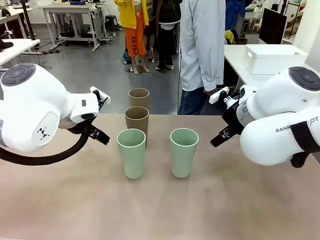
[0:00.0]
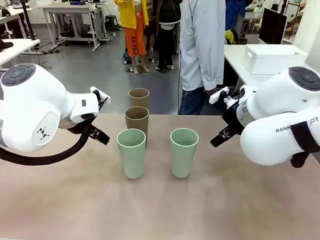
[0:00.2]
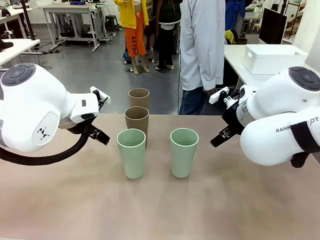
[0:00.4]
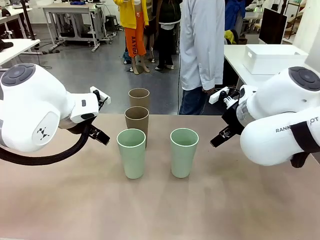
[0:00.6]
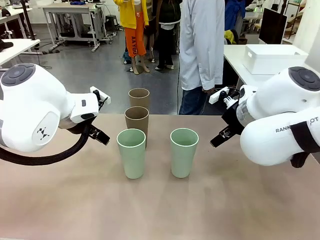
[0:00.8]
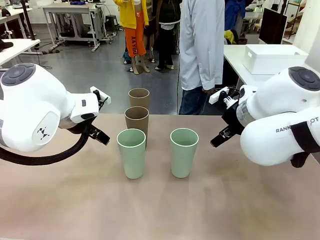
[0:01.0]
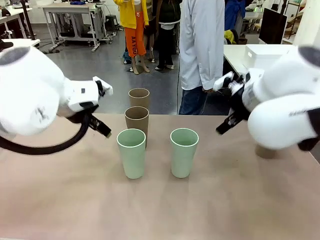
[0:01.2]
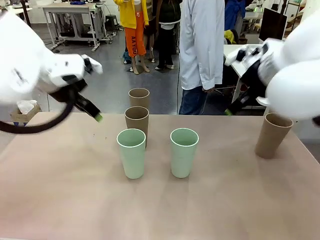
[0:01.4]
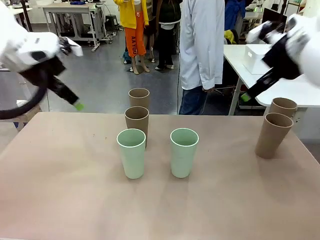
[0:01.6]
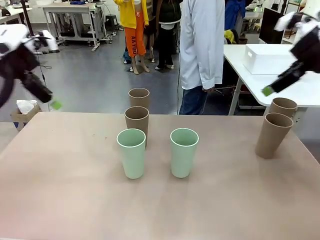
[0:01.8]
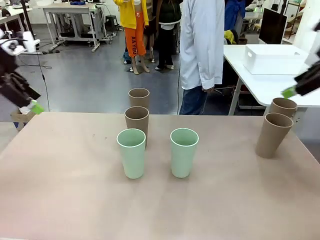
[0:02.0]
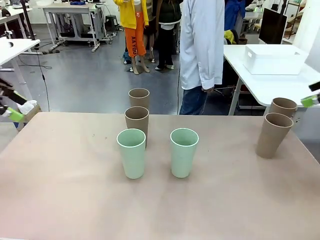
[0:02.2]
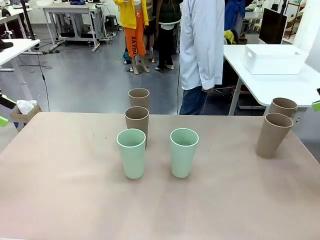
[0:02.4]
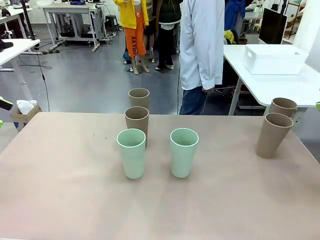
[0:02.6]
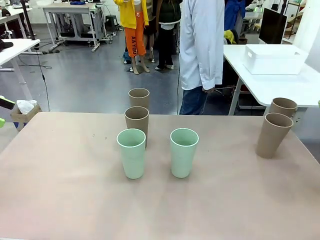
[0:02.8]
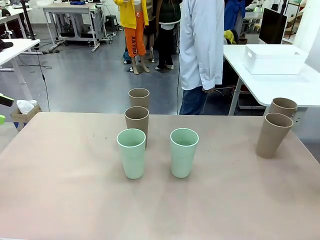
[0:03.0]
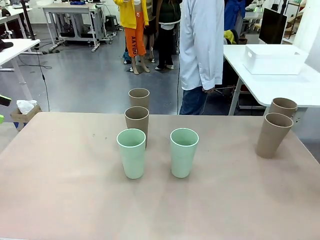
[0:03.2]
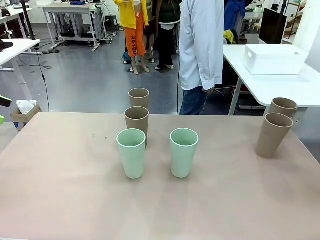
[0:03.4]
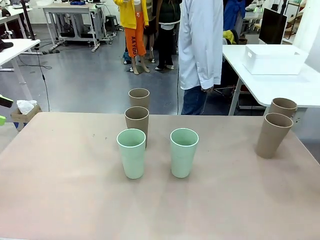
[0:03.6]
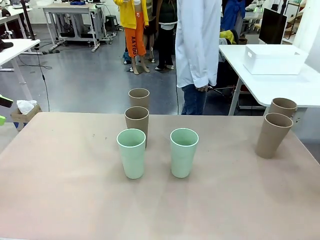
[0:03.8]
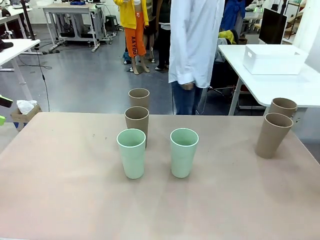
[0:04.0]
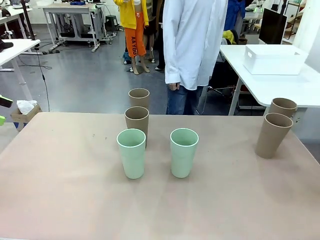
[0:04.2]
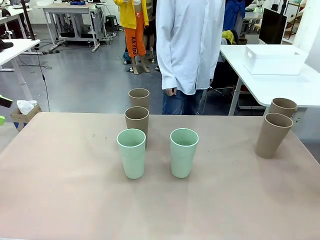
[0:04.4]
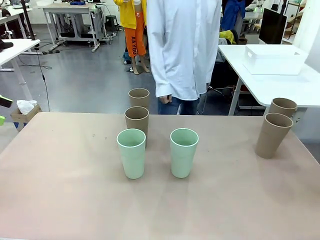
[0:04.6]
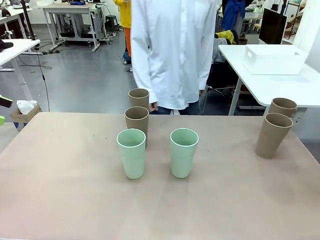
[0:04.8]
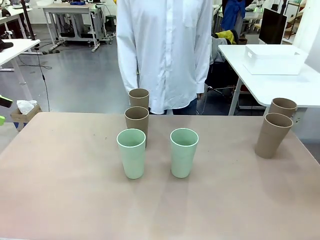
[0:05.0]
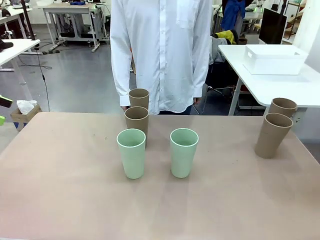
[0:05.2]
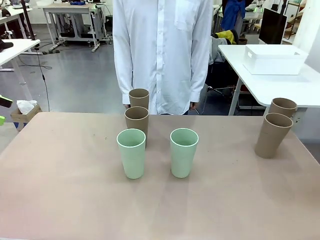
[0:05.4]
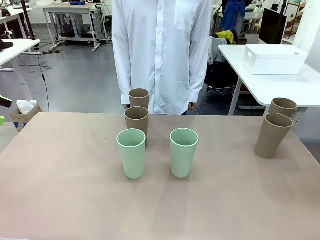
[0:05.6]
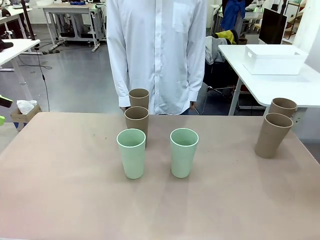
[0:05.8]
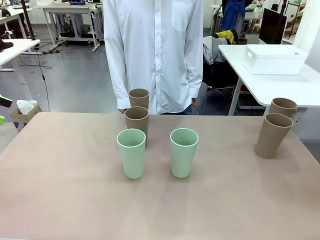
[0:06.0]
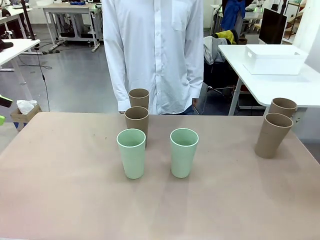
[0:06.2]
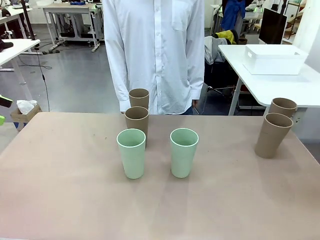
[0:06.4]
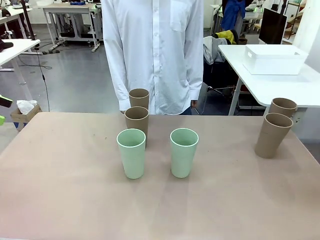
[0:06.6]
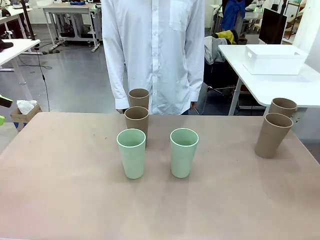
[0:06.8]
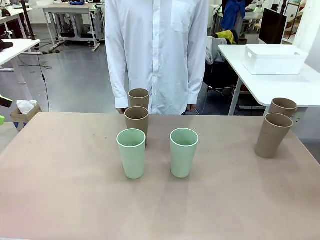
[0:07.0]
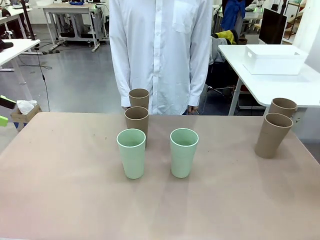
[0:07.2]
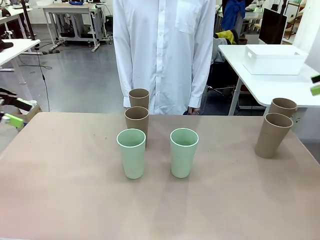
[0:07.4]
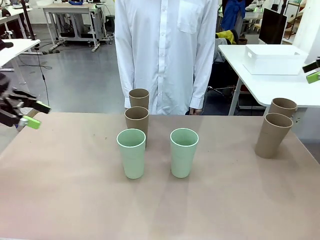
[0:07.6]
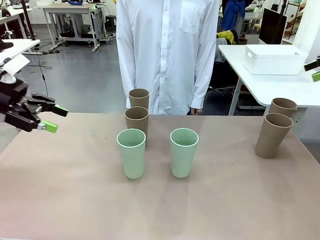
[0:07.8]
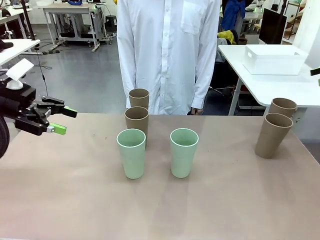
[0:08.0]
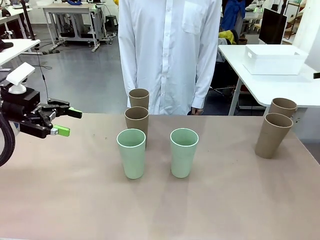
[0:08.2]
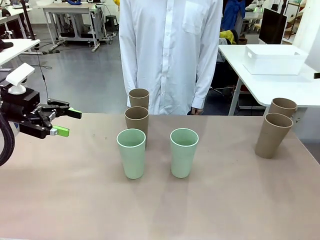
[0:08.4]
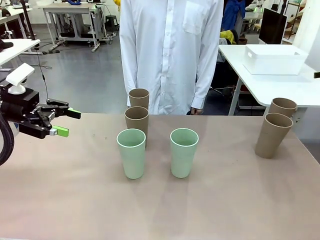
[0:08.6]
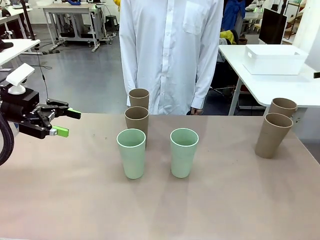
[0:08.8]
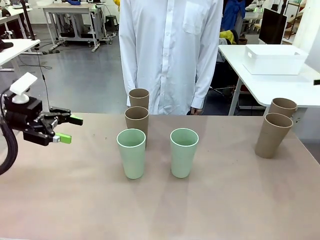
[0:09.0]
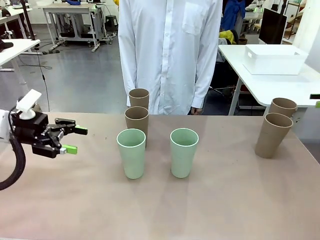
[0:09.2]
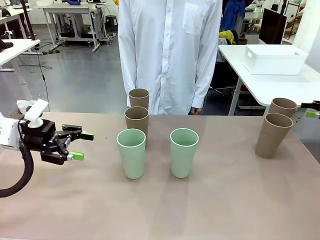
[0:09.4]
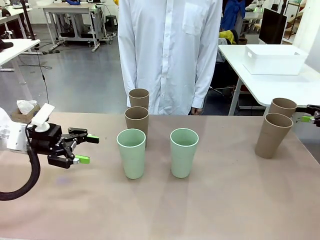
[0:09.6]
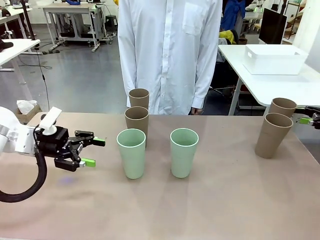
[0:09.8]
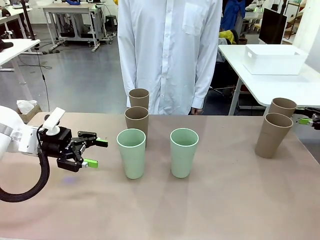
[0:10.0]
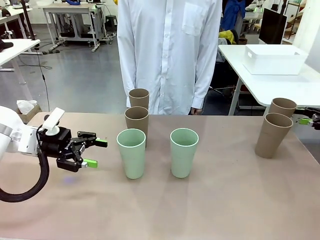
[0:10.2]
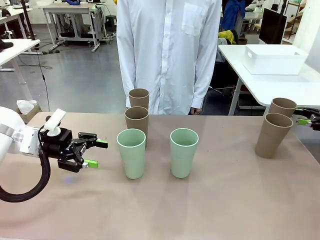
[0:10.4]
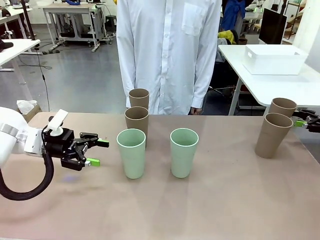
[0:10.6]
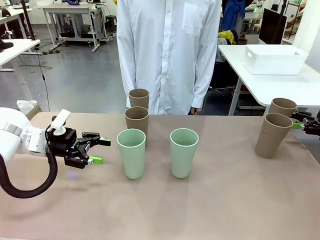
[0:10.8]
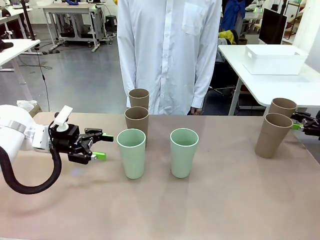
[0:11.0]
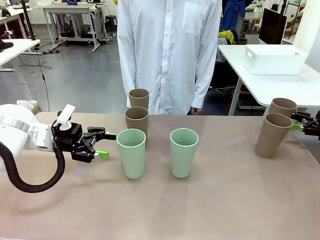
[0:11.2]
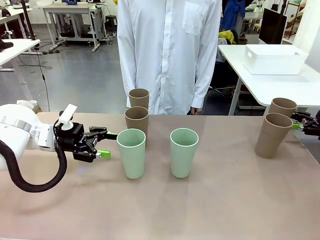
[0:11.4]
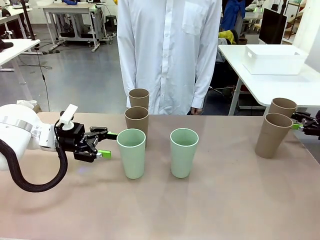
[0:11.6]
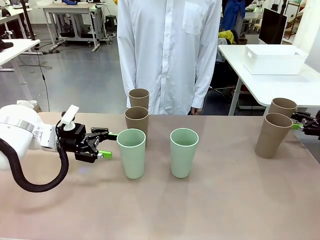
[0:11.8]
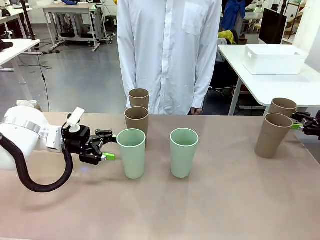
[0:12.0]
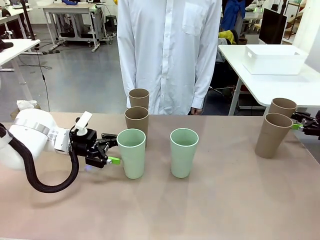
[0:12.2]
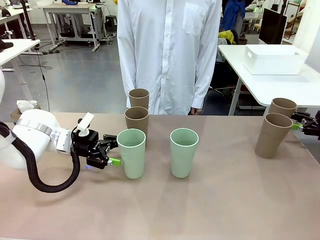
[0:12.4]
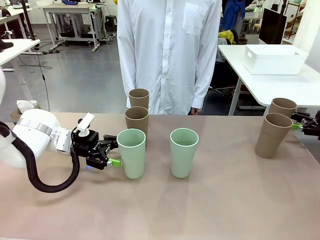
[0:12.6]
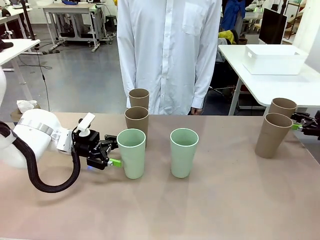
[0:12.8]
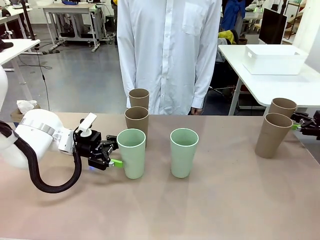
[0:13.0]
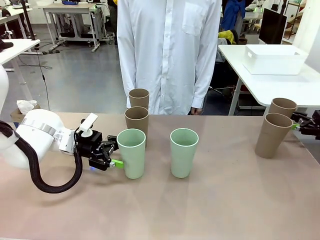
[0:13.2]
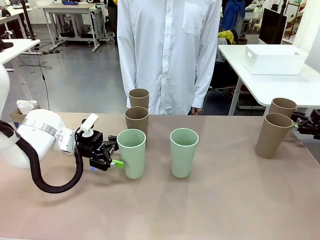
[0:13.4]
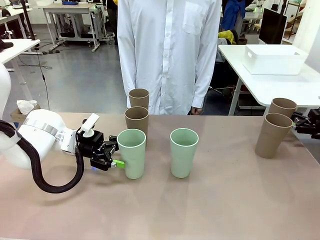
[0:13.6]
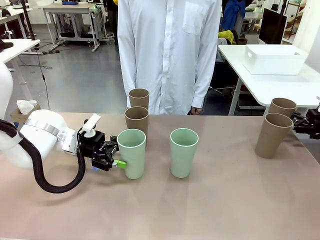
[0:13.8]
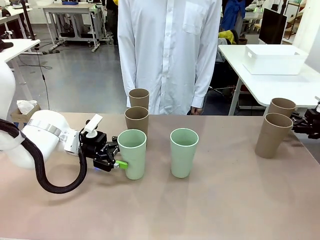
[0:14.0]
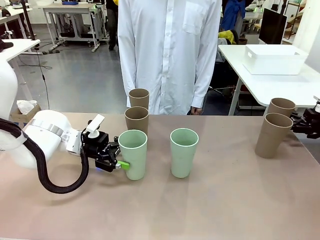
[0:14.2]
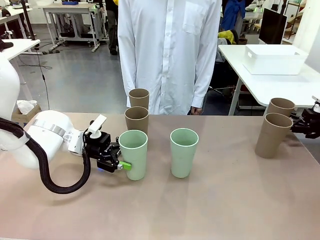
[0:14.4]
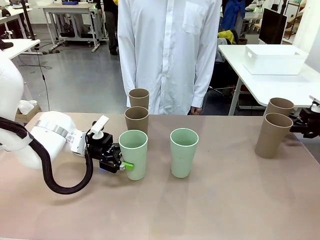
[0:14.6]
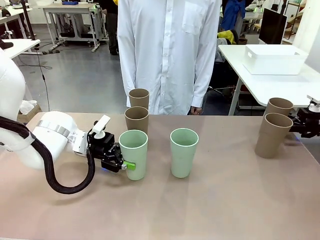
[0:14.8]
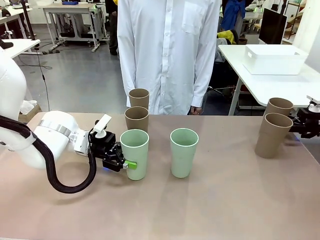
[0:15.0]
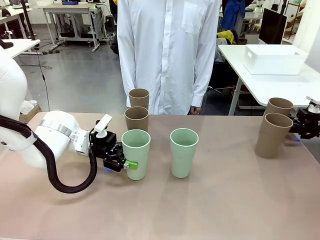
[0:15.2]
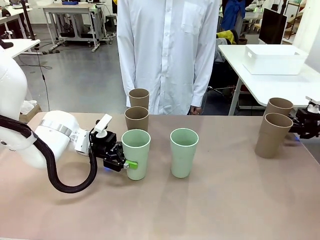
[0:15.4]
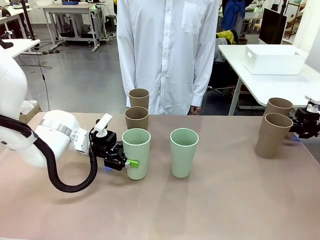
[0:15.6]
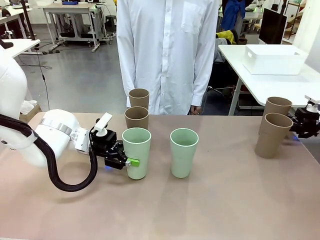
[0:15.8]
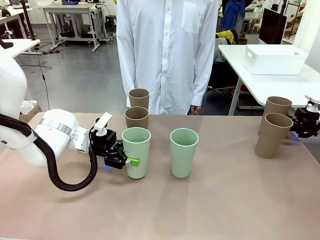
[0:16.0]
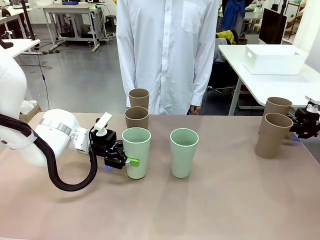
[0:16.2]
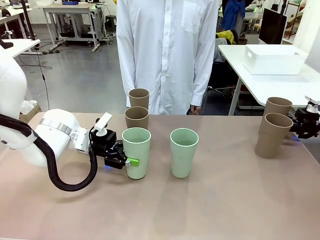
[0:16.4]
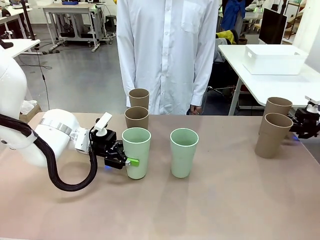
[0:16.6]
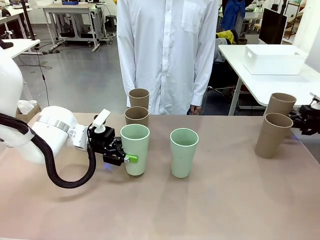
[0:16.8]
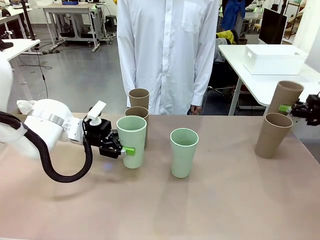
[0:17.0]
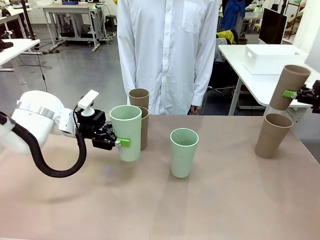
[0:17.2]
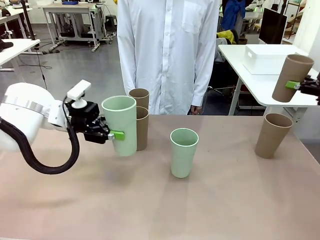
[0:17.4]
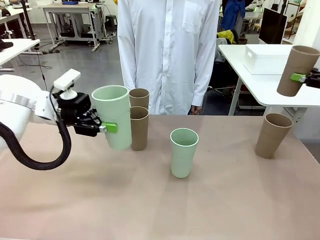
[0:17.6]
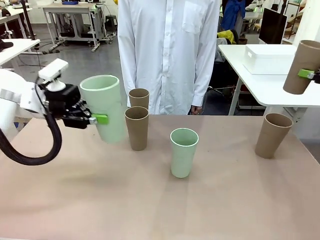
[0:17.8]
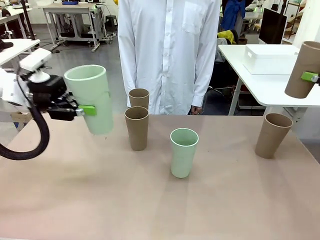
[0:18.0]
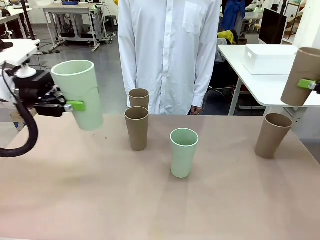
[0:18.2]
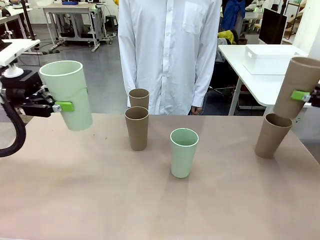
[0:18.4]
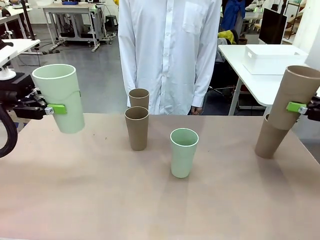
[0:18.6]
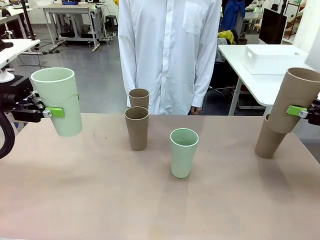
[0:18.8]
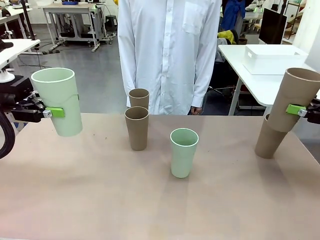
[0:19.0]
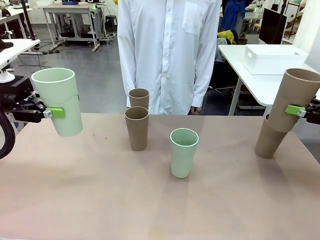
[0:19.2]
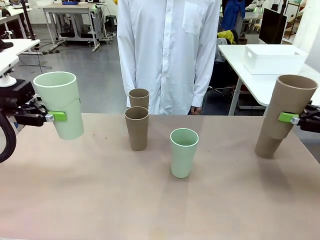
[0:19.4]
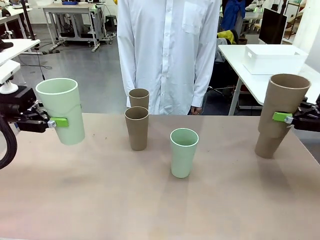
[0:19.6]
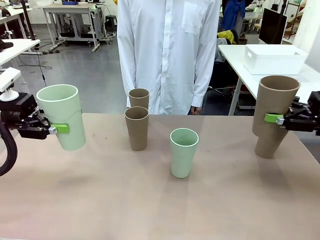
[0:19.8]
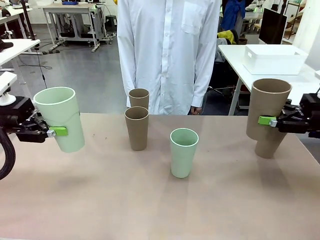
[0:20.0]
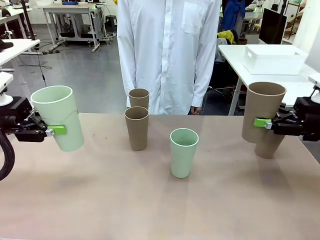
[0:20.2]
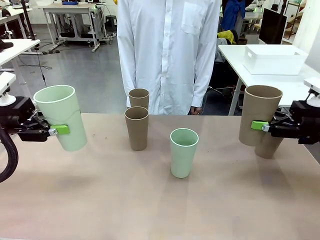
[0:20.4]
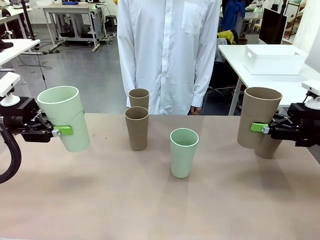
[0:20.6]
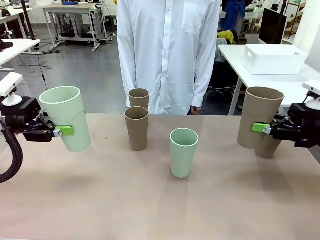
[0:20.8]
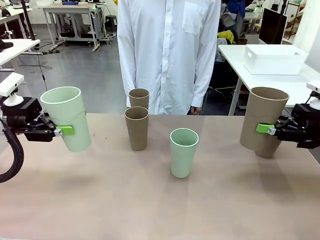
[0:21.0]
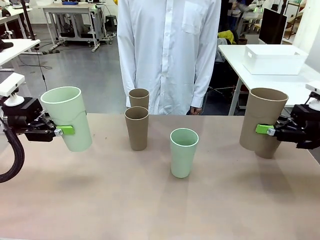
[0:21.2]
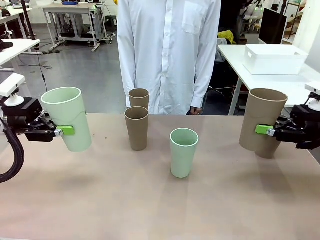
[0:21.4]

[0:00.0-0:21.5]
Task: Stack the cups and store them in the basket.
Robot: Pick up two Reusable plastic cups , one in each hand.
Person: Move from the Human Table to the front of the Robot Table. Stack two of the remaining cups on top of each cup held by the robot.
